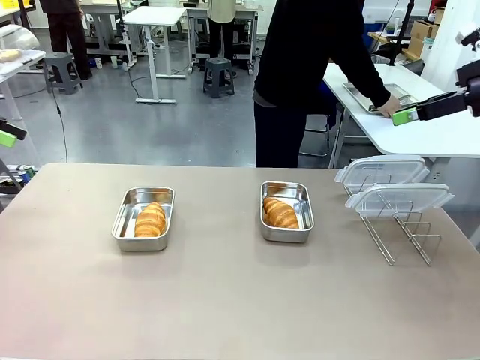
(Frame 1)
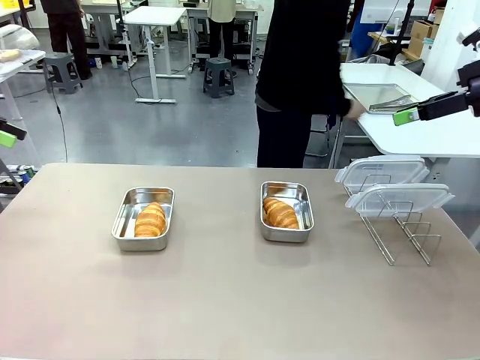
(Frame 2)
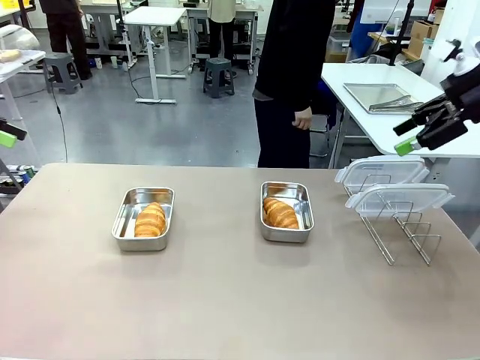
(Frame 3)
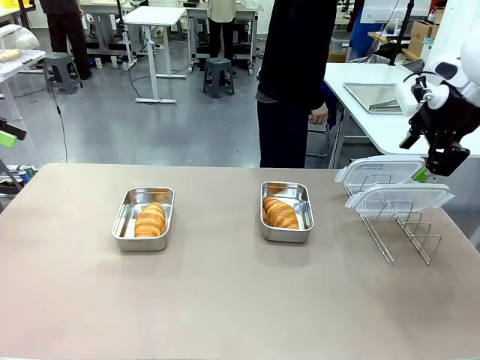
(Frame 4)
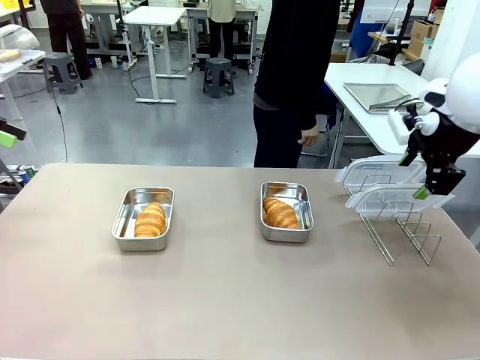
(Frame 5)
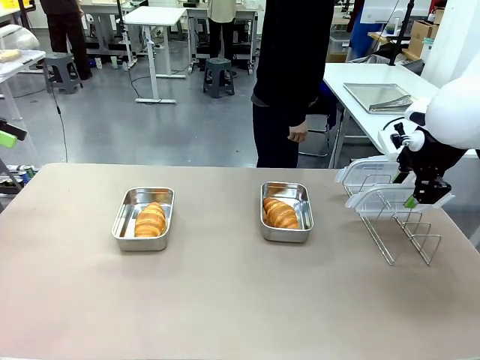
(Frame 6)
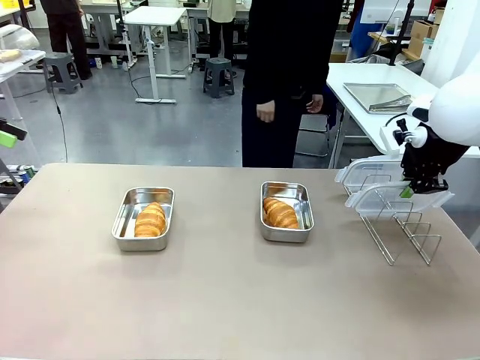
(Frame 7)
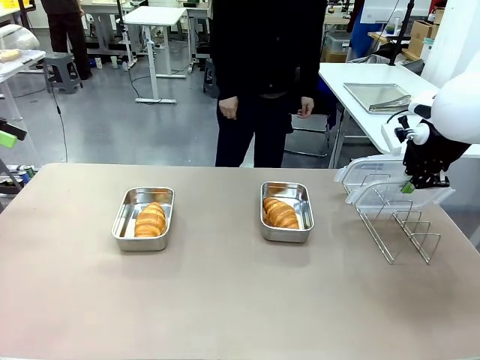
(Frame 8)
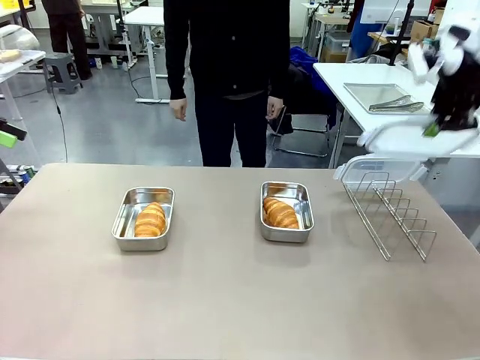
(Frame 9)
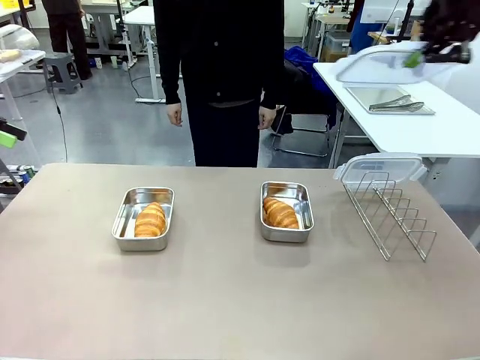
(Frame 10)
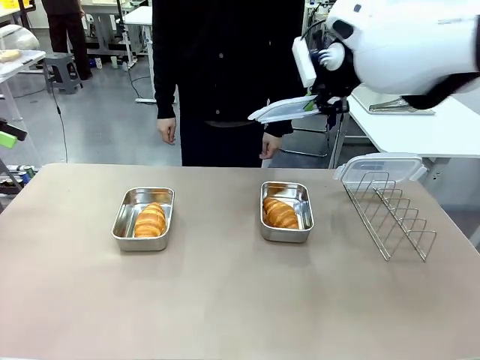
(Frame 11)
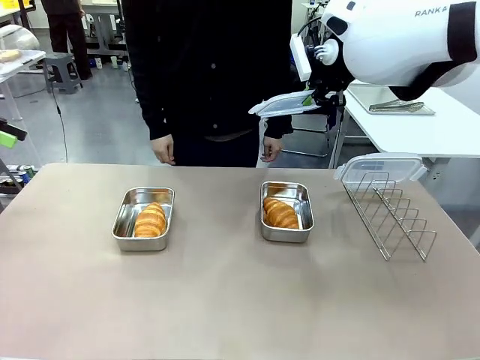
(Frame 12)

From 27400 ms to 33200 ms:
Task: Place the bread in airtight containers.
Robot: Pick up one Airtight Container lid and hand it to the human.
Person: Grip Airtight Container lid that robot is handing.

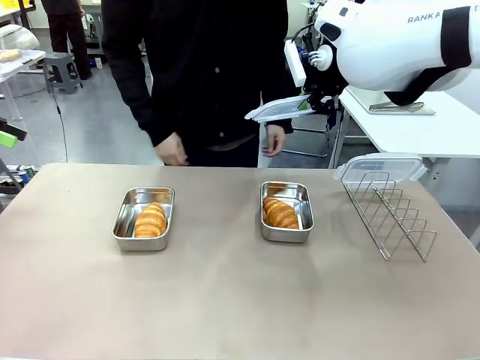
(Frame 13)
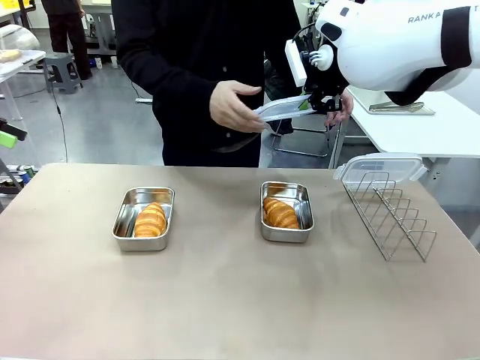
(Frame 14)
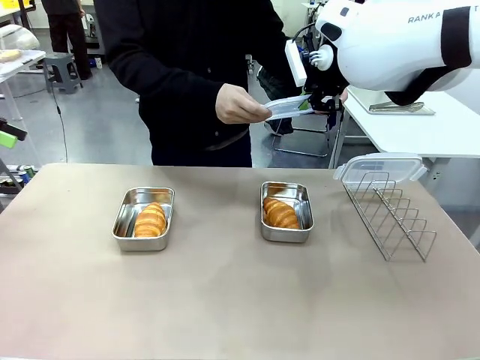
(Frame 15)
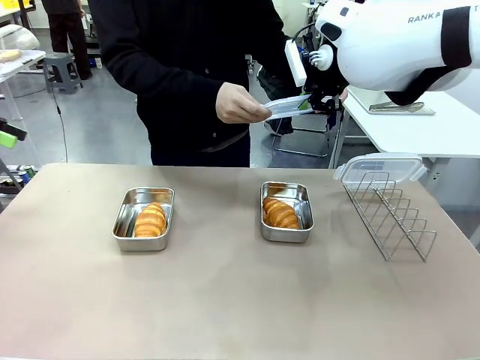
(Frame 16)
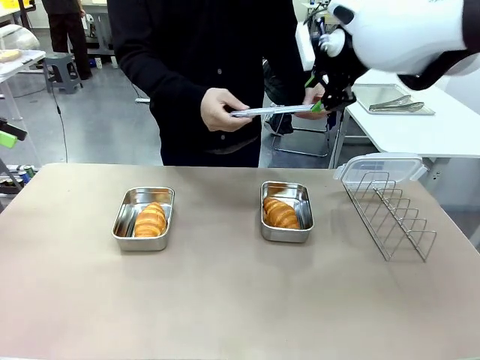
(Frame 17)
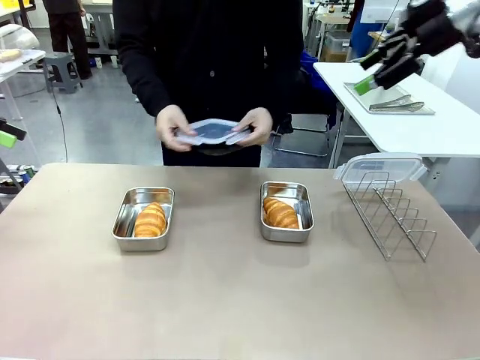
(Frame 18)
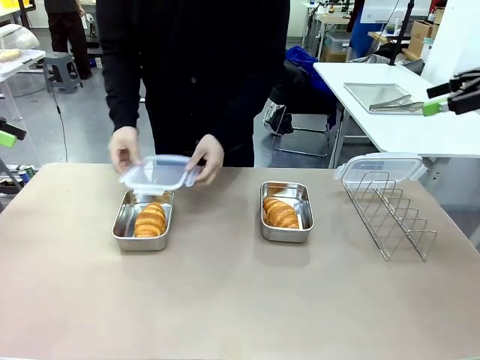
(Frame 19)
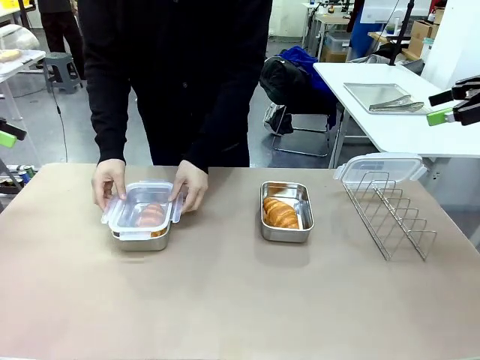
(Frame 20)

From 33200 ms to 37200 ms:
Robot: Release when the human grabs the Airtight Container lid.

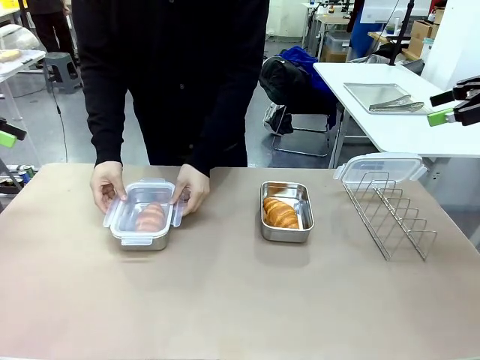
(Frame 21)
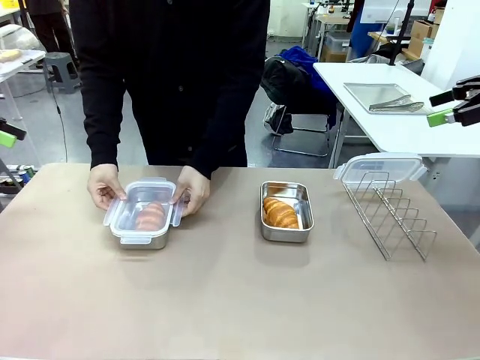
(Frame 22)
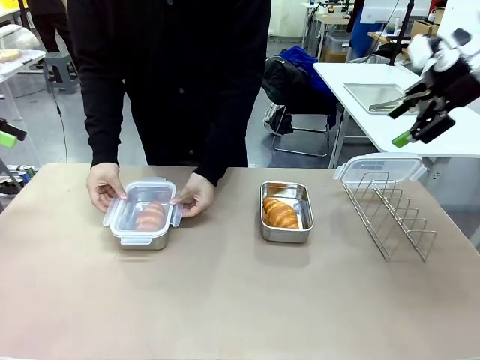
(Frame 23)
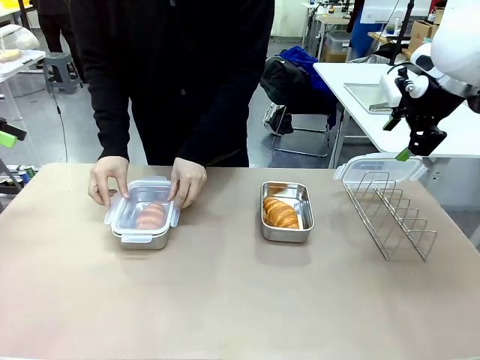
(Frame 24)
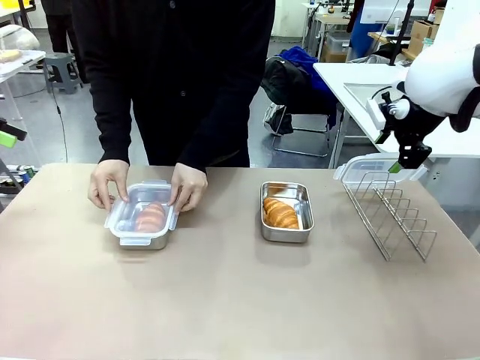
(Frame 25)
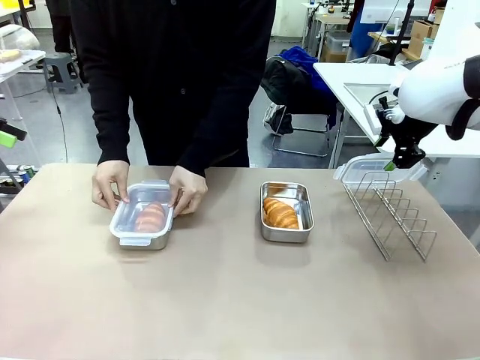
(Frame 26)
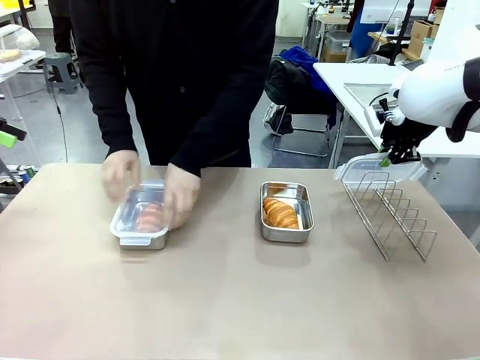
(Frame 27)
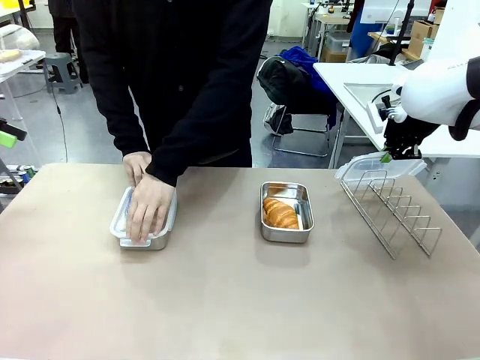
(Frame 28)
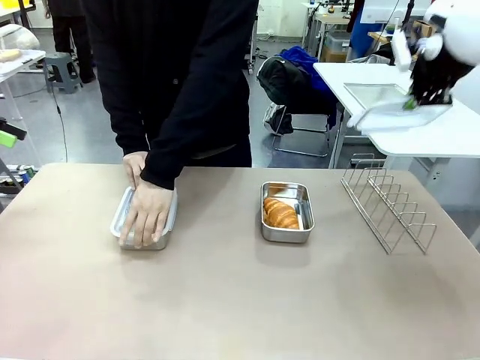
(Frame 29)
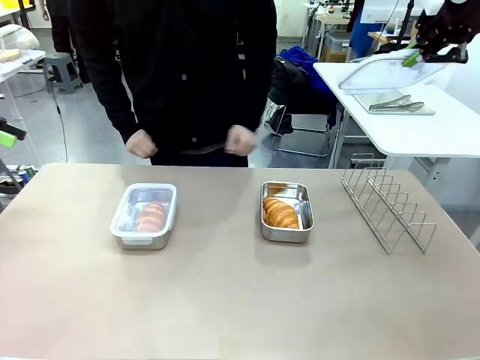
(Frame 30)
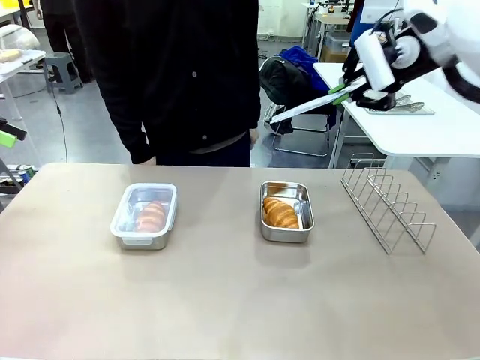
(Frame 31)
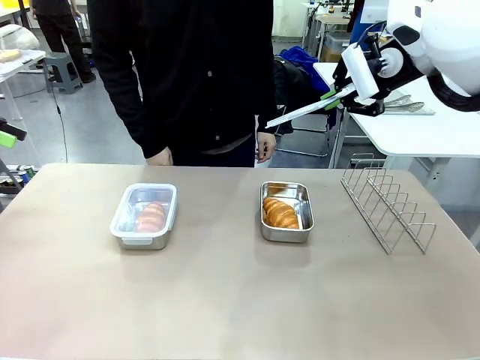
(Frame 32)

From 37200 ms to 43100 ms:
Robot: Pick up one Airtight Container lid and hand it to the human.
Person: Close Airtight Container with a handed Airtight Container lid.

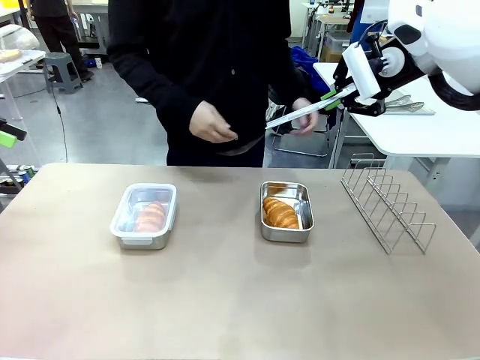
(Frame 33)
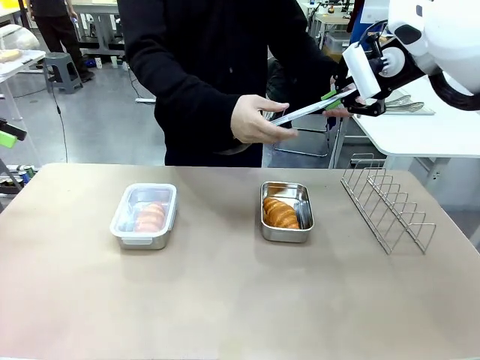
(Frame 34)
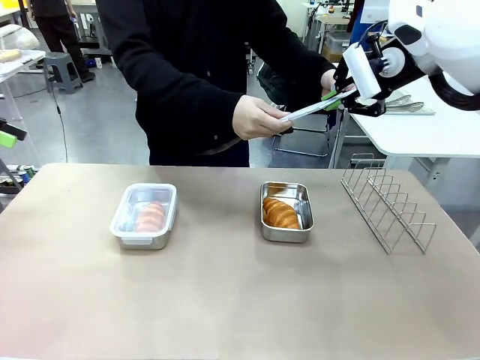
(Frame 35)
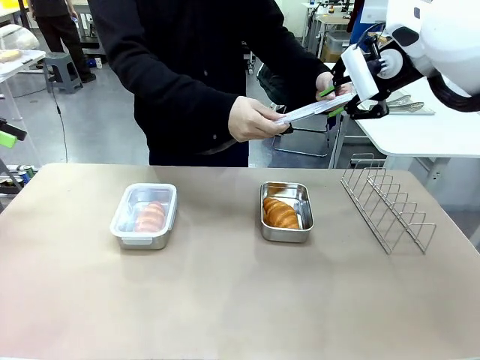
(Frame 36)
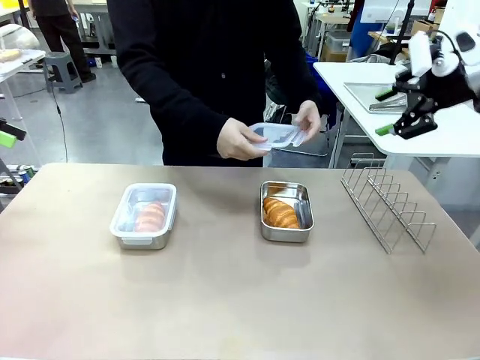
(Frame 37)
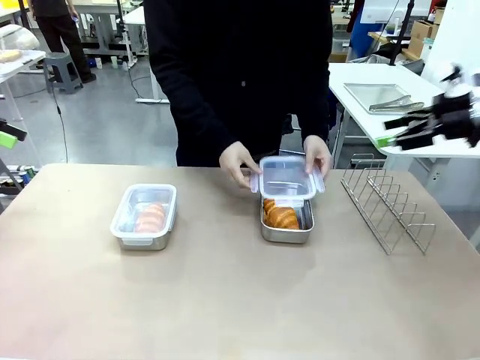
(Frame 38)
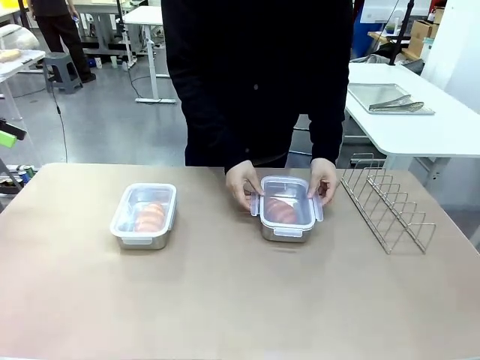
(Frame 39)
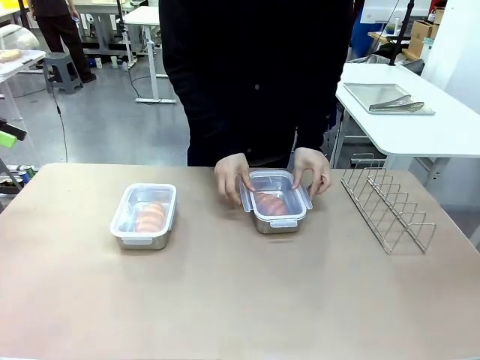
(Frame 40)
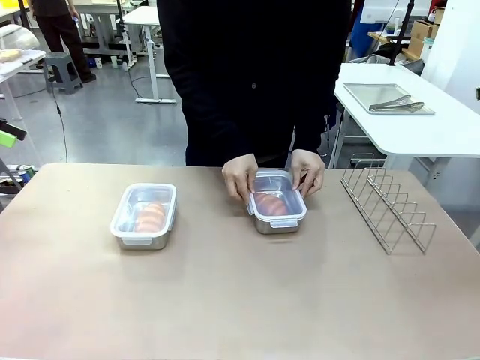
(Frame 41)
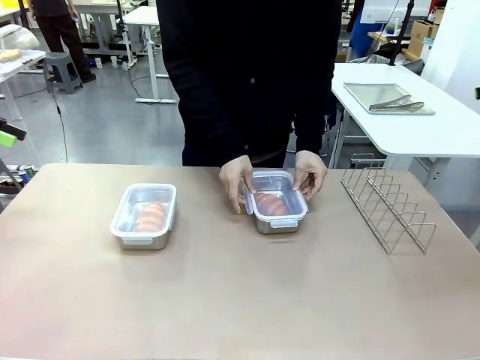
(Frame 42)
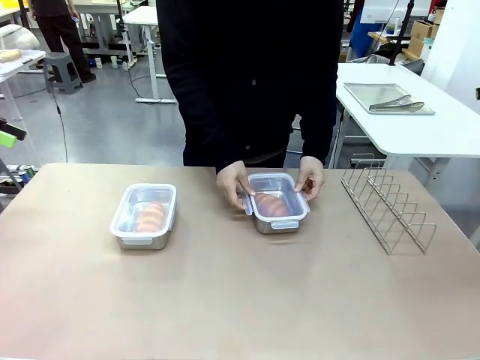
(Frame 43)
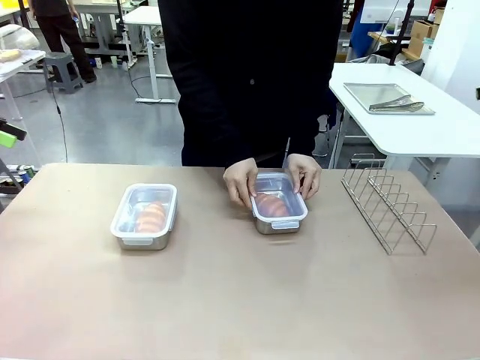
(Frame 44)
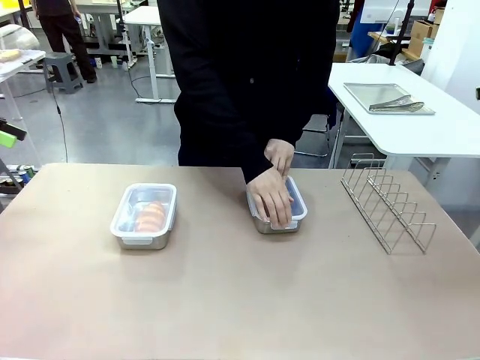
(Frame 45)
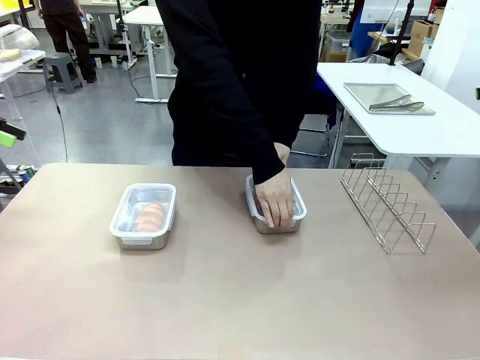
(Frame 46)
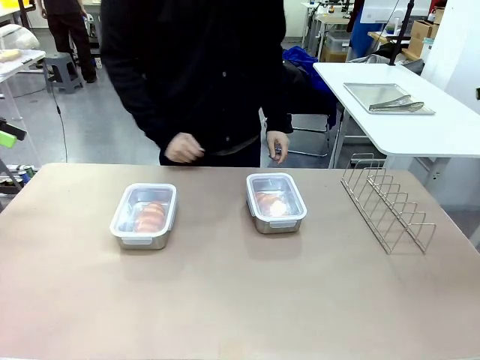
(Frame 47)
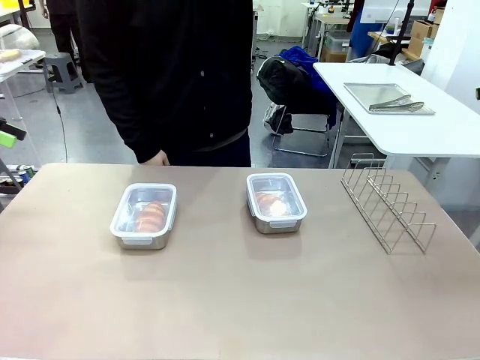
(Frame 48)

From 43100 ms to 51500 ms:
Robot: Release when the human grabs the Airtight Container lid.
Person: Grip Airtight Container lid that robot is handing. Close Airtight Container with a handed Airtight Container lid.

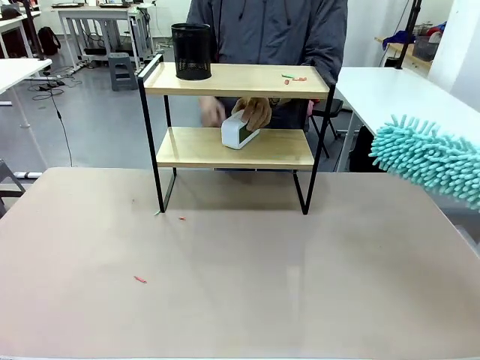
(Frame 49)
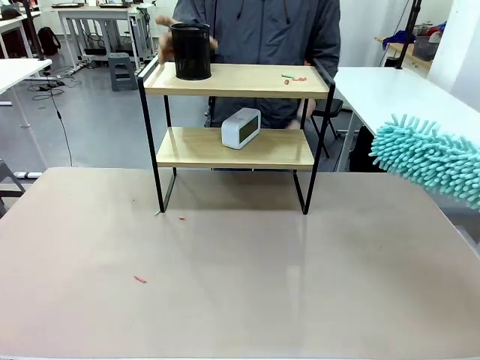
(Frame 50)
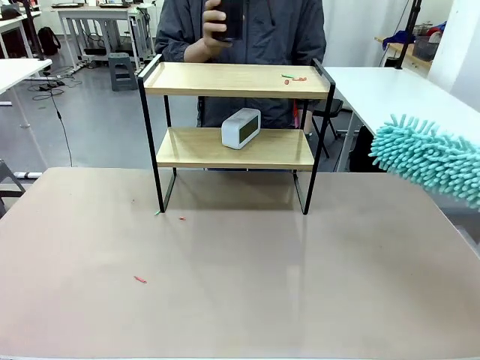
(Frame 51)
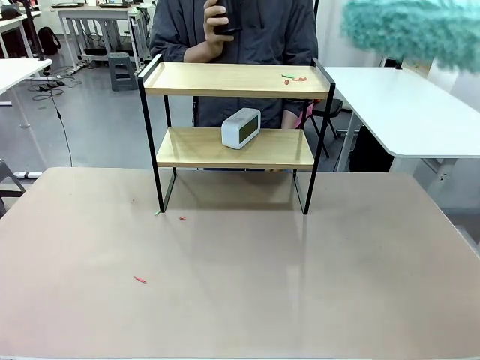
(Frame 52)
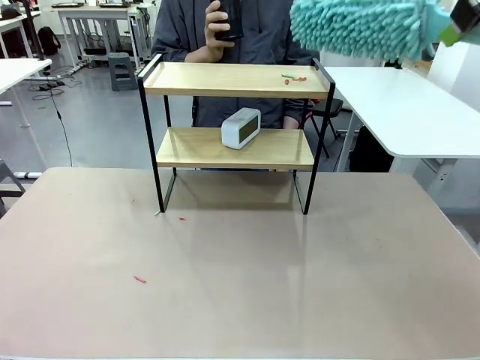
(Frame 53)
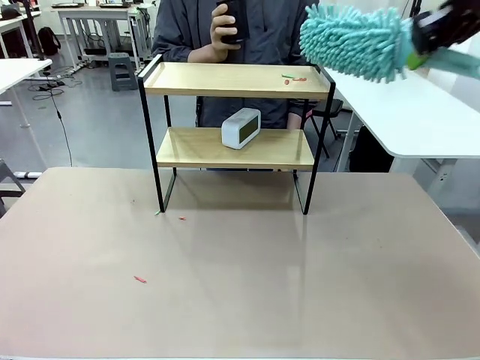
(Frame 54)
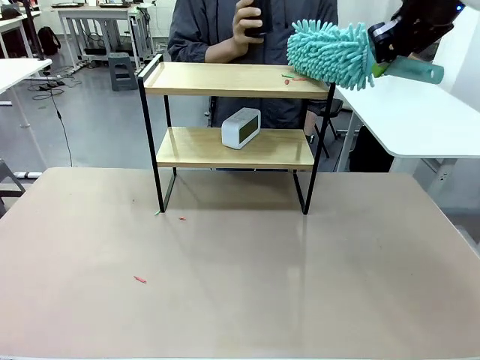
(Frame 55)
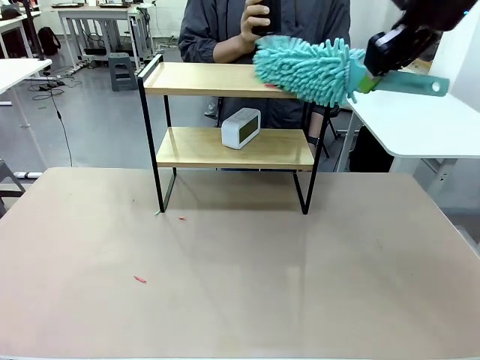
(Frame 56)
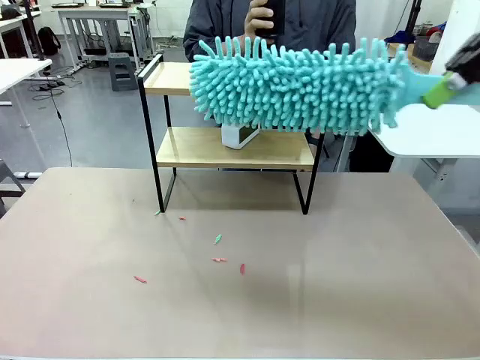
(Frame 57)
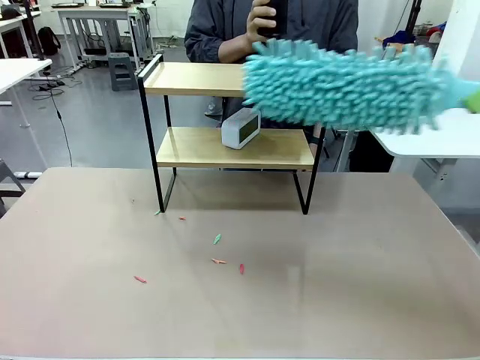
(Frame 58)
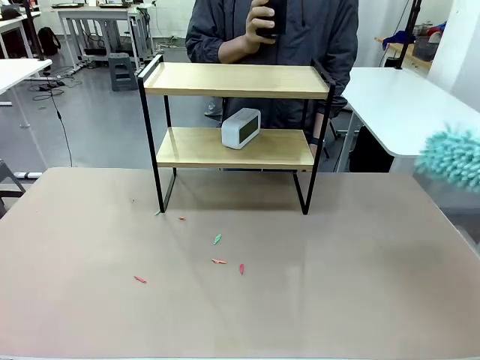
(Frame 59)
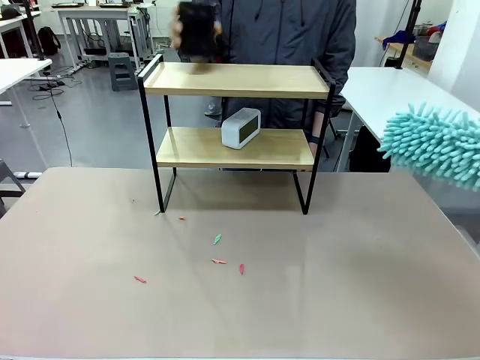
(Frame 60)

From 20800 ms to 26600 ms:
Task: Clean the shelf.
Robot: Clean the remaining tier of the Shelf with the Duster once objects are removed.
